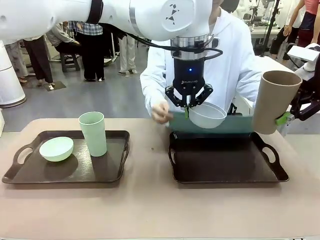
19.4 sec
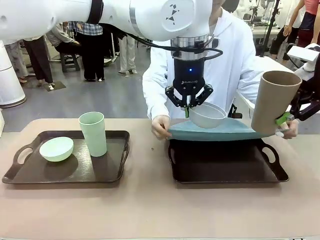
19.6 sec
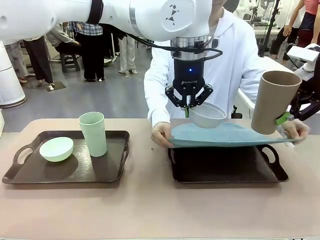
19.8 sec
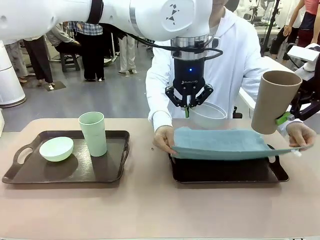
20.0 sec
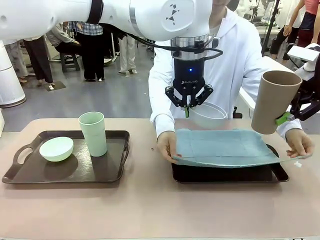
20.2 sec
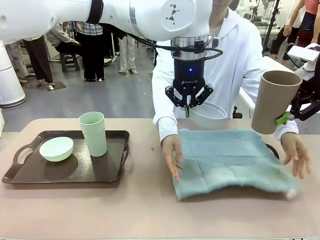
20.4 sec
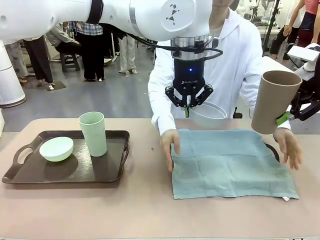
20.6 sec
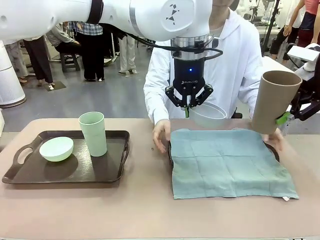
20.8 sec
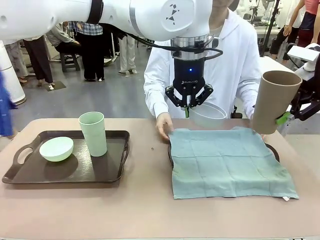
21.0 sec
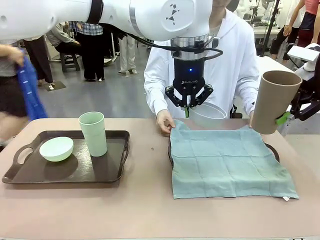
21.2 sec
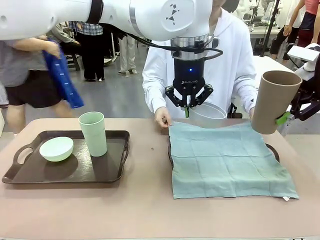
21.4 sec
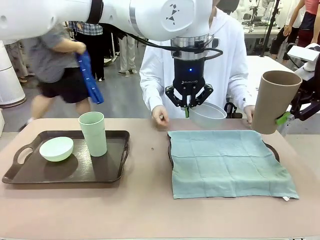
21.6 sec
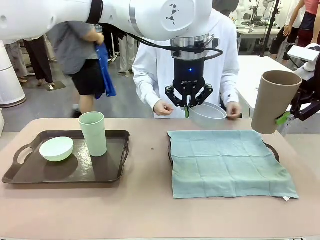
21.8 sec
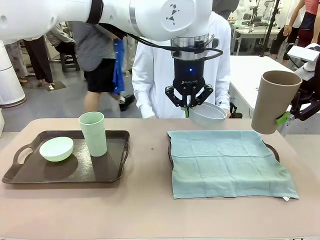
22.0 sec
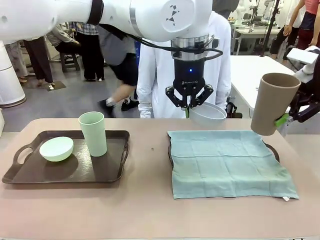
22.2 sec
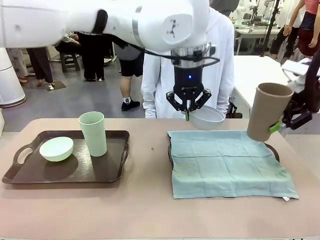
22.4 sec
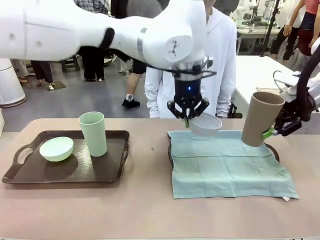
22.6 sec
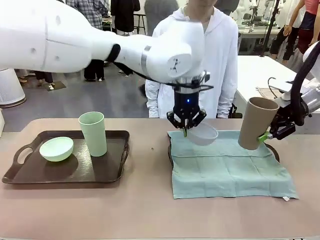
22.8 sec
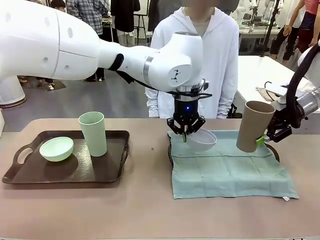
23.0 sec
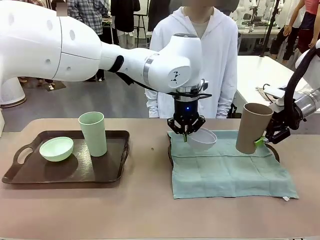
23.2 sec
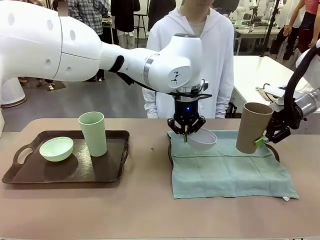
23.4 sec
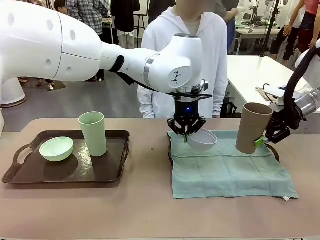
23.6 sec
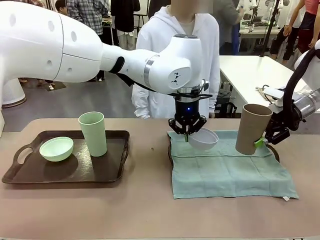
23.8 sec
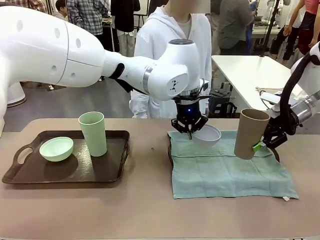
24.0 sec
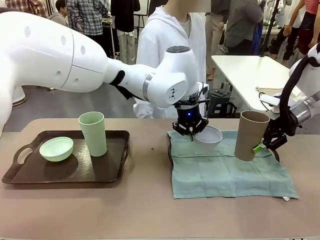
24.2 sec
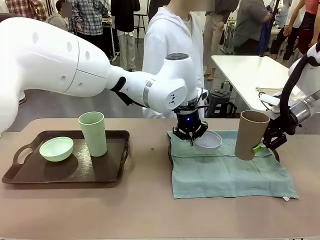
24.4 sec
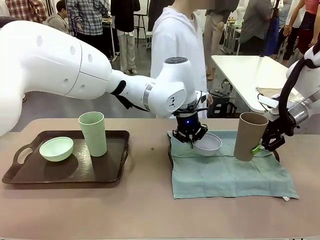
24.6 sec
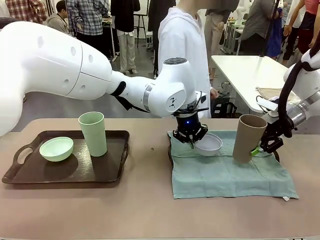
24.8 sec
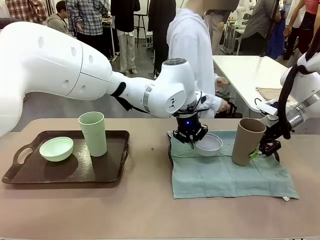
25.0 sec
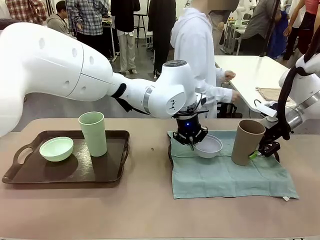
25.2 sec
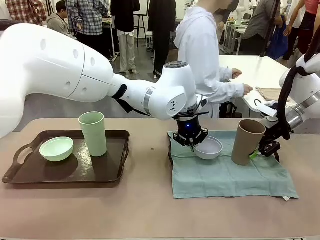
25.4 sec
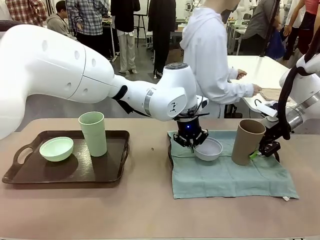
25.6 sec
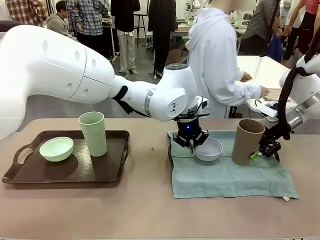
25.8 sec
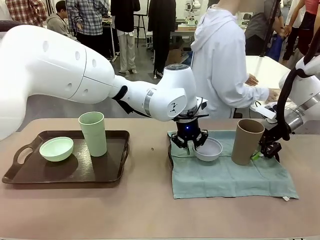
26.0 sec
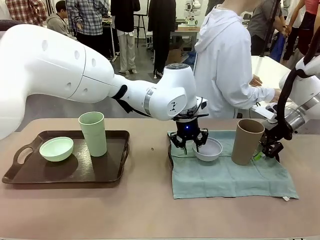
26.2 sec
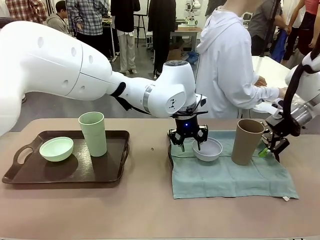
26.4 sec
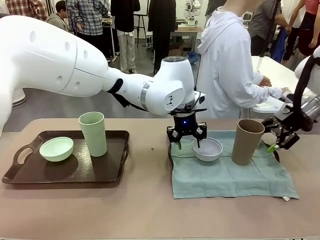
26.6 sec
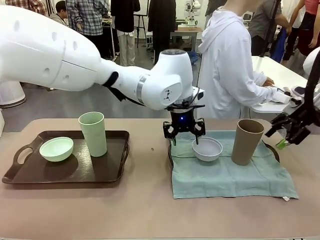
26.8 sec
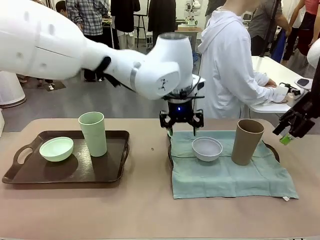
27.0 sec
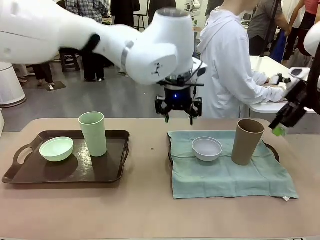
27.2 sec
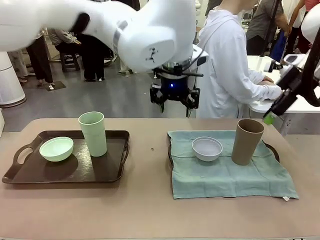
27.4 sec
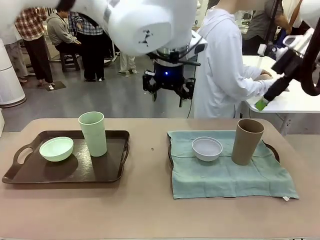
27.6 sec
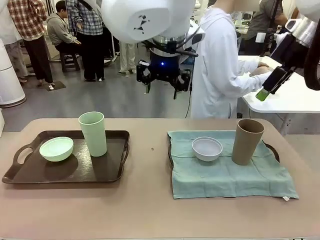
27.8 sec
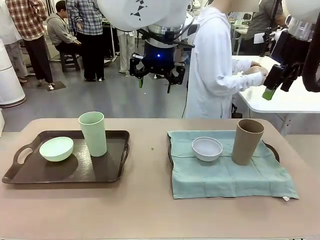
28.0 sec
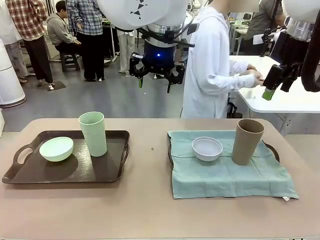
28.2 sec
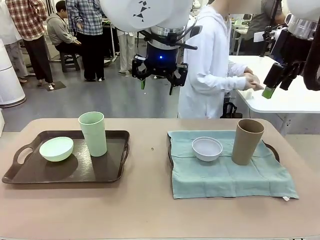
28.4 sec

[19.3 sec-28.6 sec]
Robot: Place the Picnic Bowl and Reusable plastic cup back onto the Handle tray in front of the human's position.
Person: The human returns to the human table to pick up another napkin and walks to the robot table to stand in front of the tray without a napkin.
